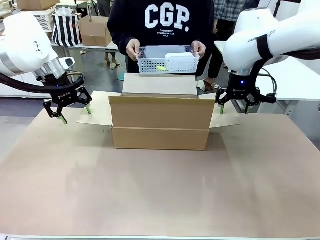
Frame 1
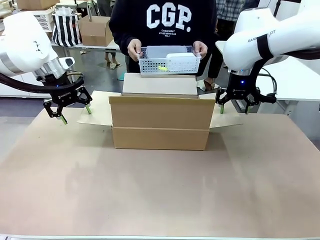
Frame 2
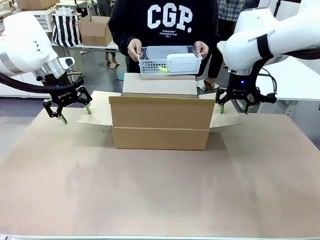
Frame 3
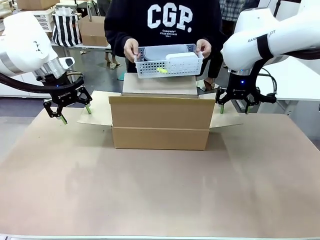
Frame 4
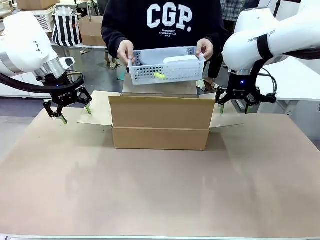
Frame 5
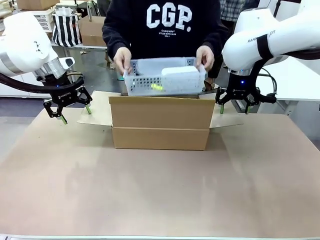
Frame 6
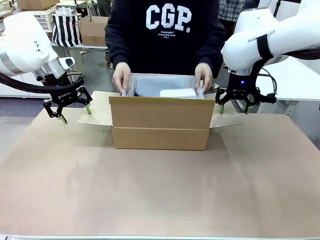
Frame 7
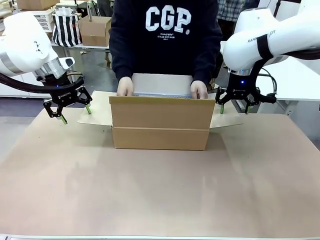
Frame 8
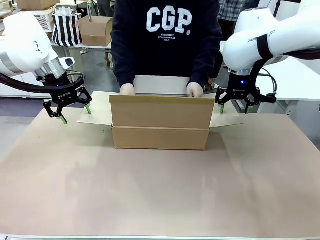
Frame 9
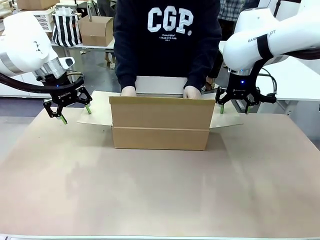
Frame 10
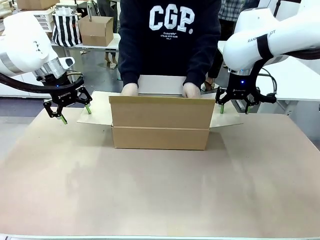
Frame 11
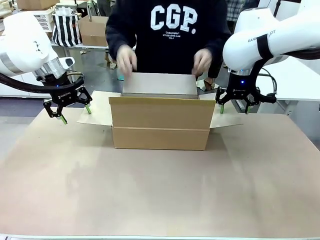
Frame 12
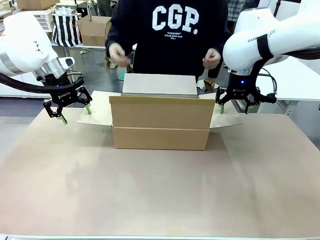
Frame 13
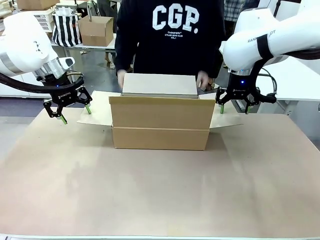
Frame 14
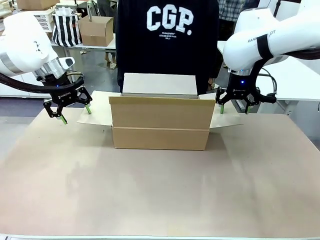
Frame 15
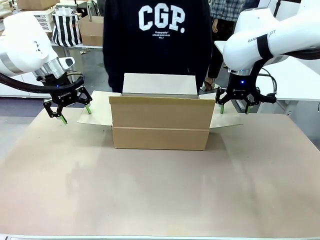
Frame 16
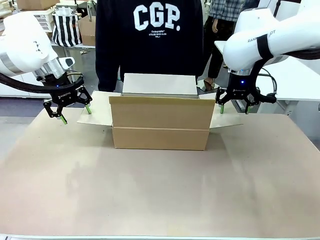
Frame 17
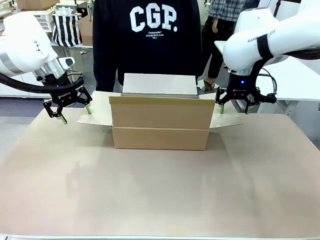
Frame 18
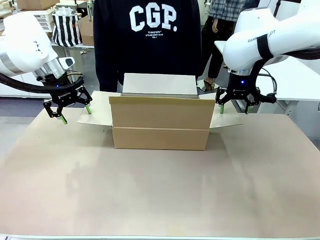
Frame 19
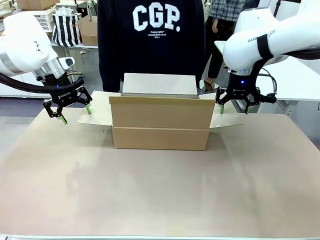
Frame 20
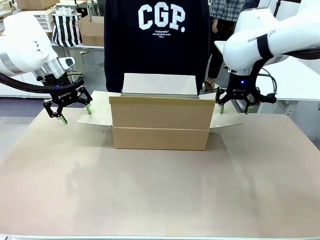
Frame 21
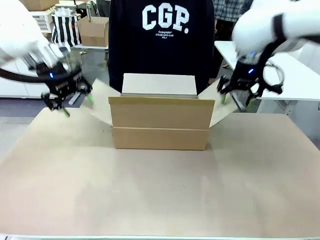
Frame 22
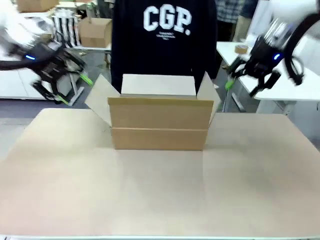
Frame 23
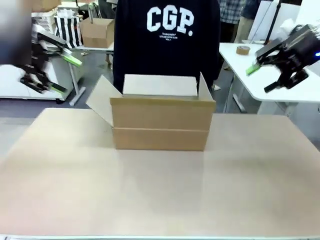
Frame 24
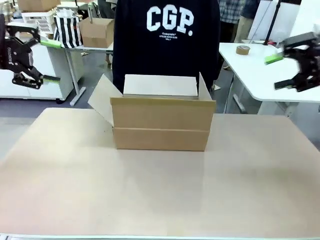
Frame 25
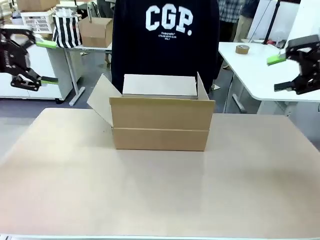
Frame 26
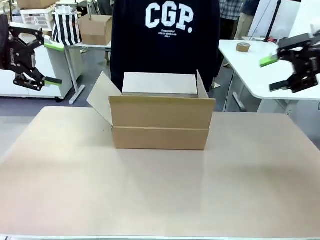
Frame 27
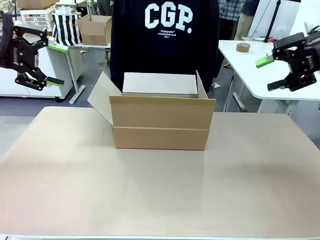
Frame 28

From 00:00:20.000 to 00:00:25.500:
Task: Pack the gift set into the box.
Robot: Lift both hands away from the flaps of the Package Box.

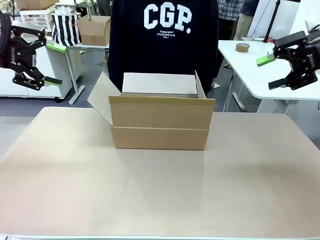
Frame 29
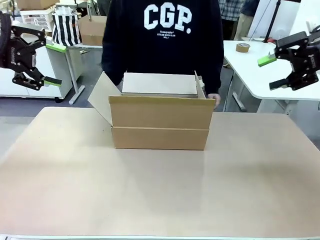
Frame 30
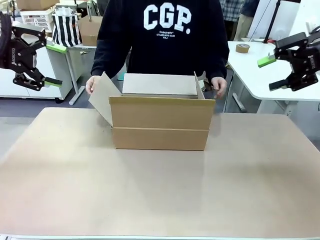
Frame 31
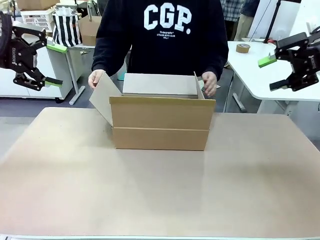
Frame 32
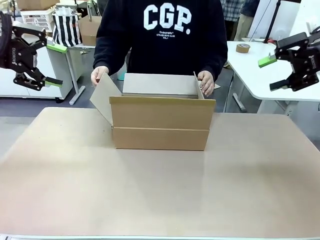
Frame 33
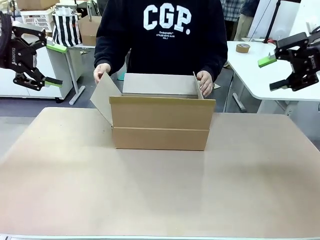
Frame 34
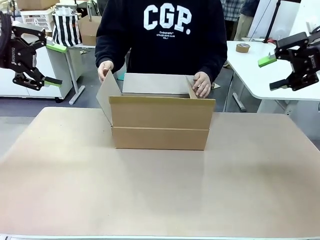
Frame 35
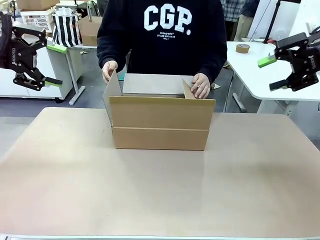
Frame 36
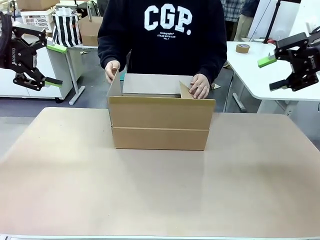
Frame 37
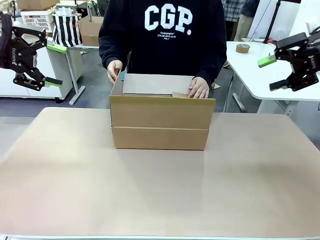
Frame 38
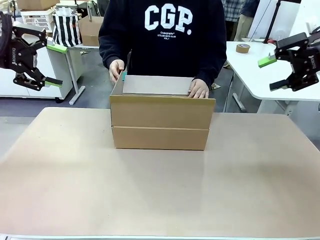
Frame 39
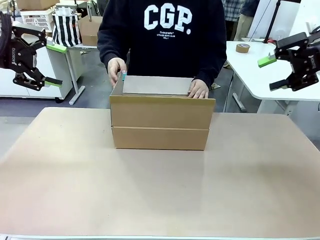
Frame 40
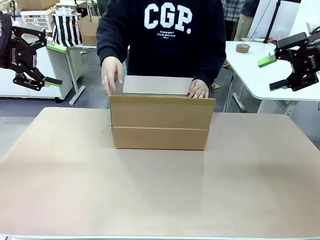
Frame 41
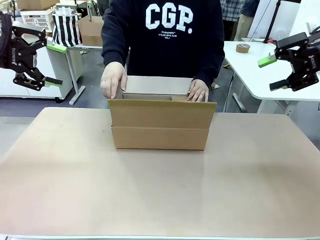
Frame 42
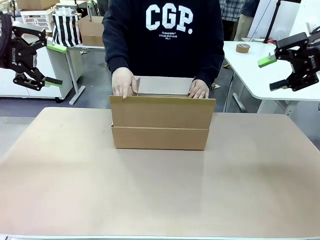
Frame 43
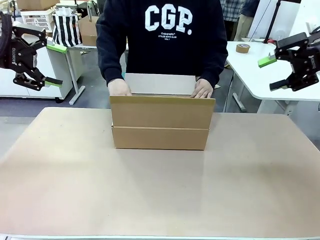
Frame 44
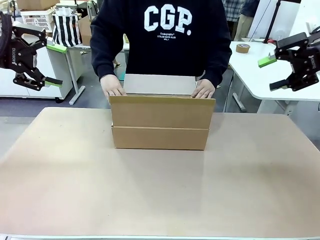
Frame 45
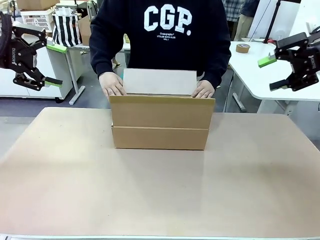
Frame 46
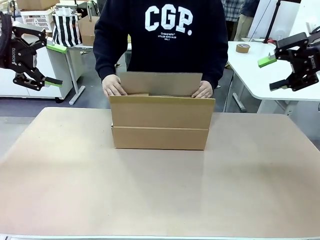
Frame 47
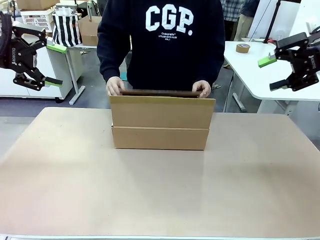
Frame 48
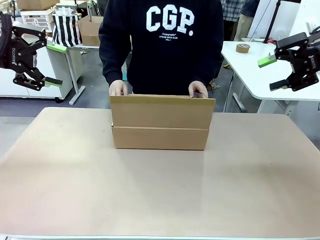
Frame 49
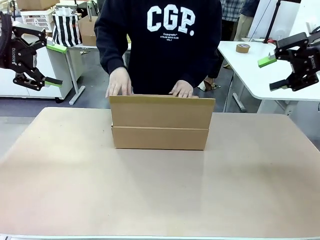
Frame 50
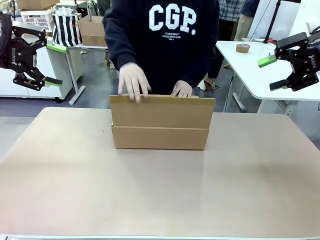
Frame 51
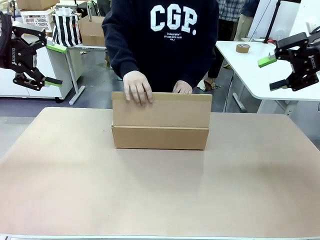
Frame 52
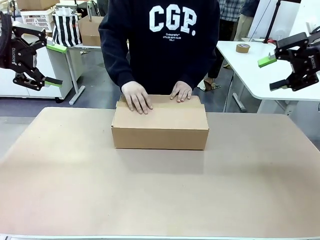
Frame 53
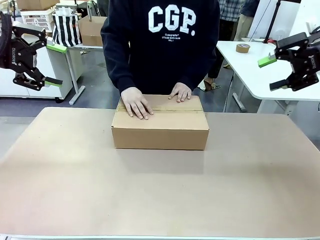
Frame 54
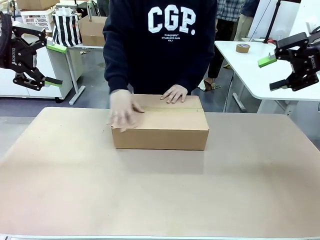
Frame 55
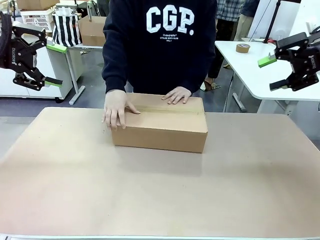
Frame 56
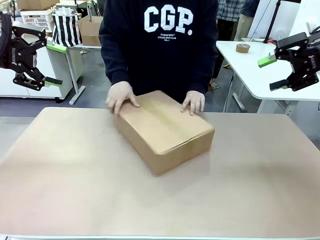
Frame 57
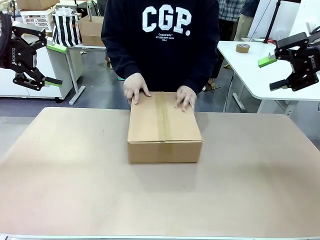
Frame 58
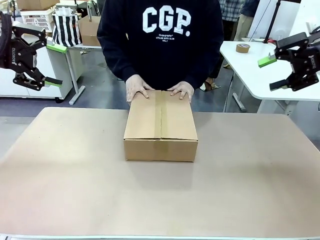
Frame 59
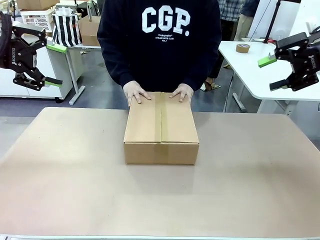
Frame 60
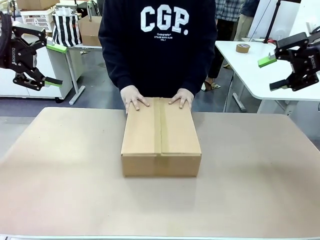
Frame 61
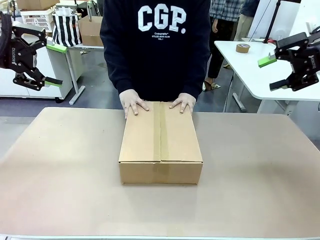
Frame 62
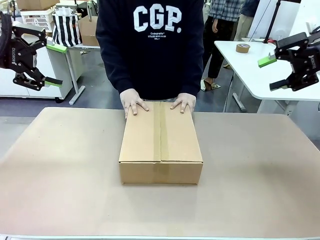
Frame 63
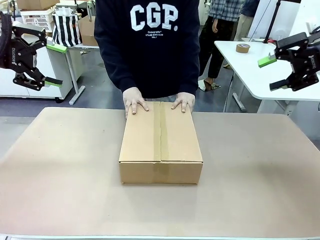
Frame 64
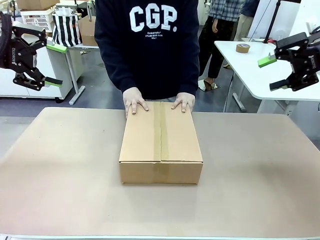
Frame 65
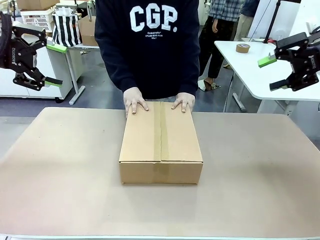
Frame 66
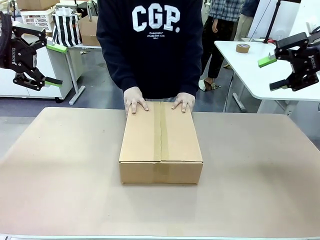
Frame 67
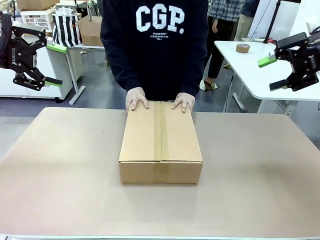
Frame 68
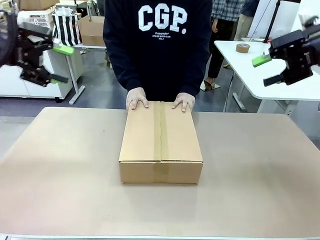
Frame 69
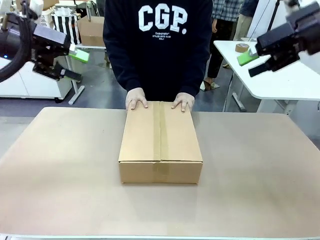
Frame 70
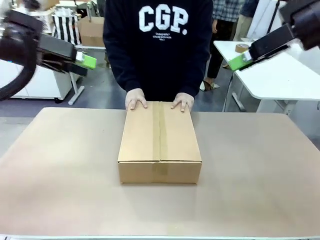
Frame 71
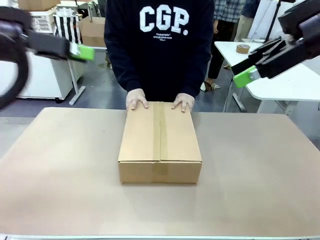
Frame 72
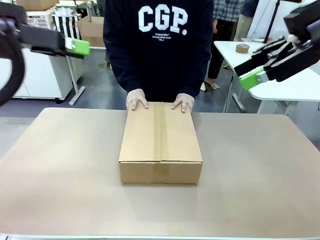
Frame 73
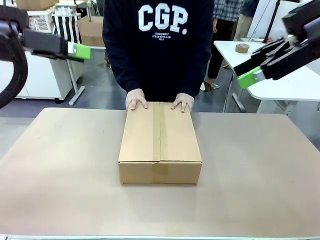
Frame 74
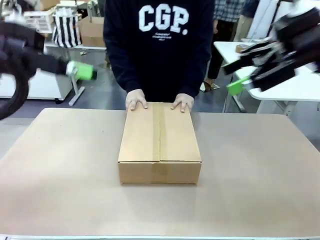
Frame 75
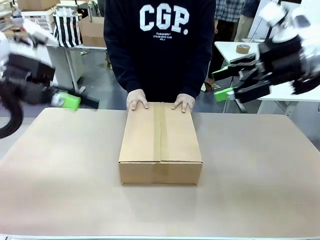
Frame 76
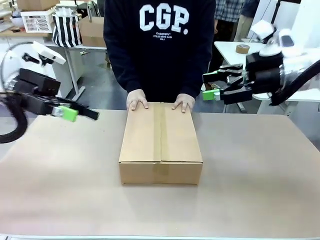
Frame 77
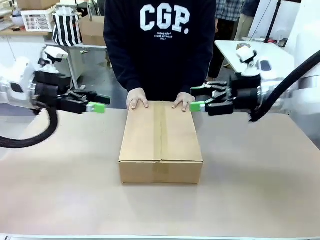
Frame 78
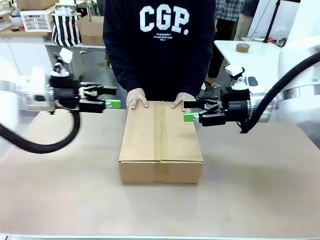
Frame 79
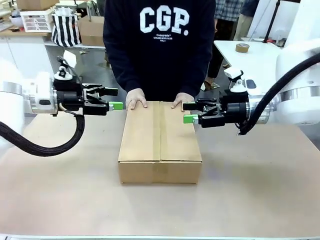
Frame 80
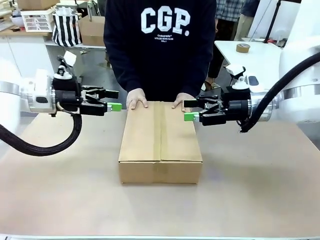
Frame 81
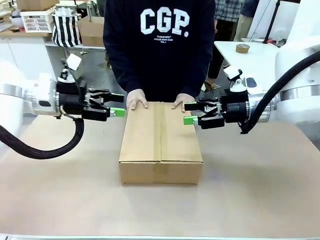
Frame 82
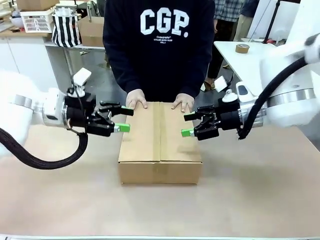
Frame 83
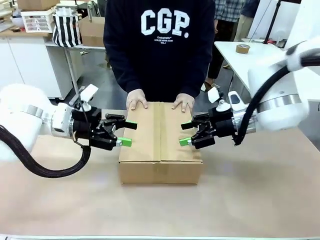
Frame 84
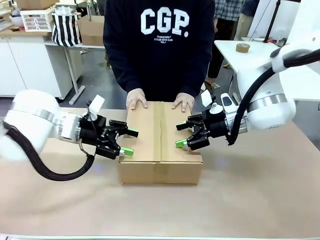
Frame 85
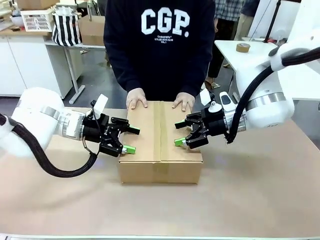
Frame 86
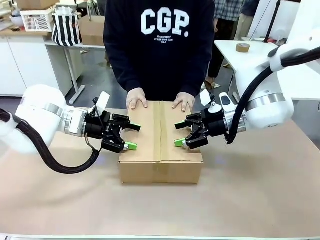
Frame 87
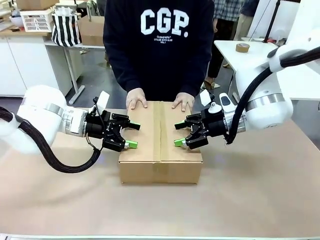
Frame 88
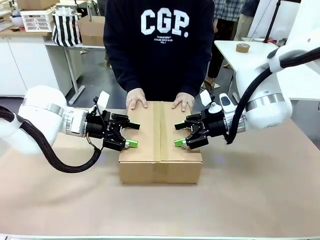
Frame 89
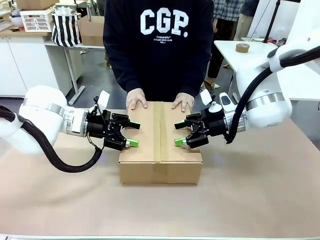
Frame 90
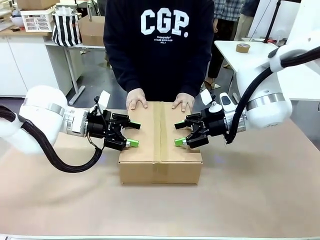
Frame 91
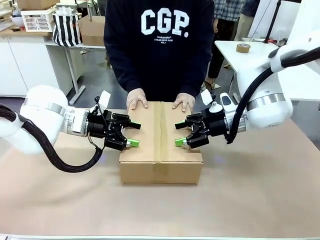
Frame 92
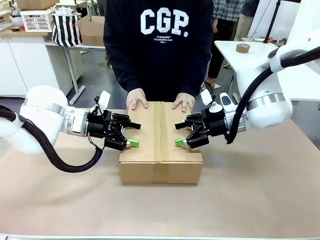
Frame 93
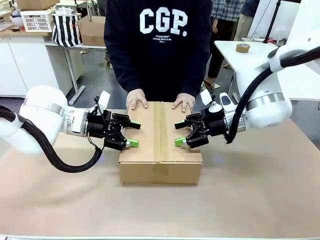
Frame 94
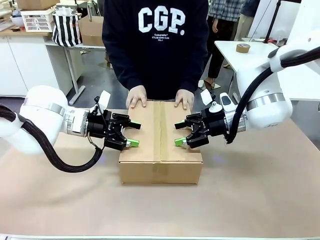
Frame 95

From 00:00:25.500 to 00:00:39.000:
Robot: Press and hold the closed box until the human finishes sealing it.
Person: The human closes the box and rotates the box by 90 degrees.
